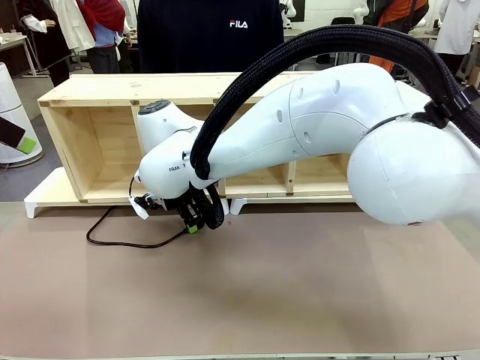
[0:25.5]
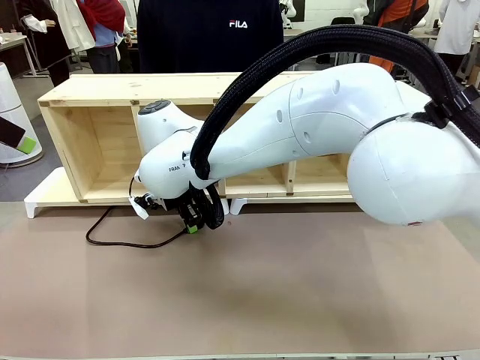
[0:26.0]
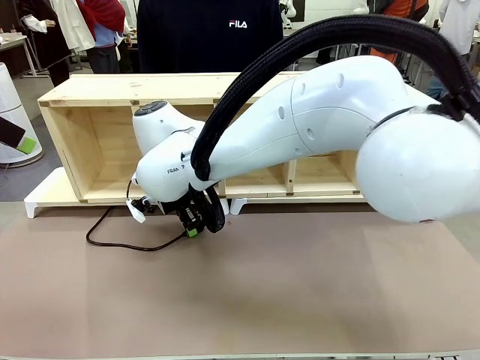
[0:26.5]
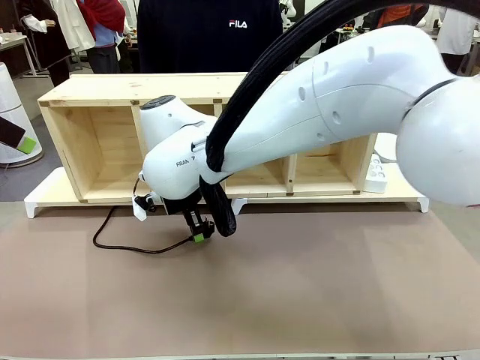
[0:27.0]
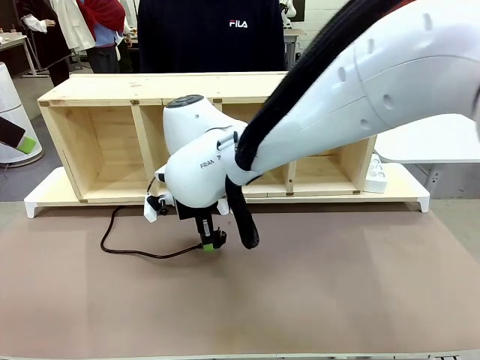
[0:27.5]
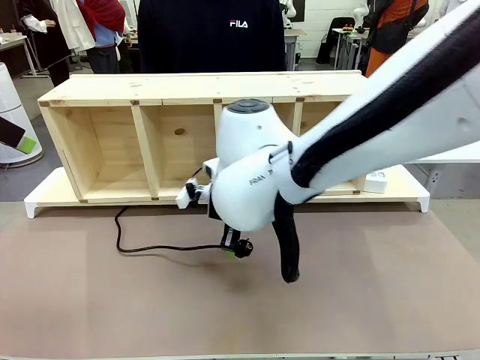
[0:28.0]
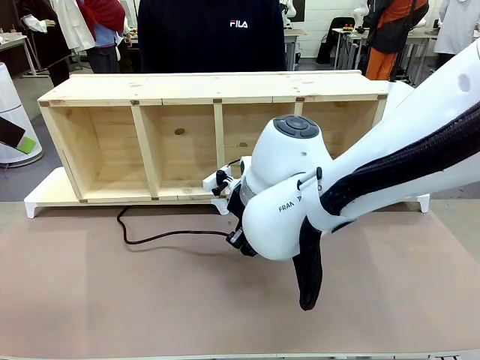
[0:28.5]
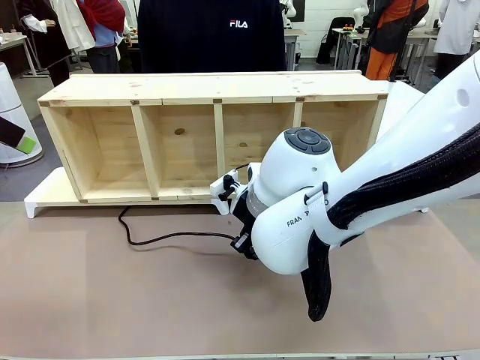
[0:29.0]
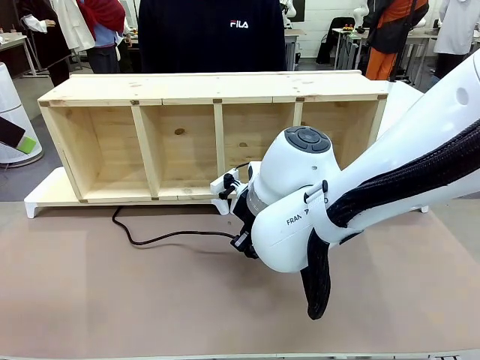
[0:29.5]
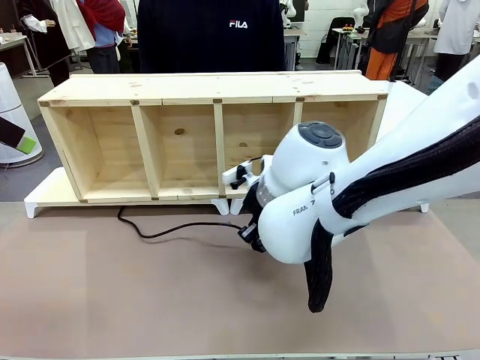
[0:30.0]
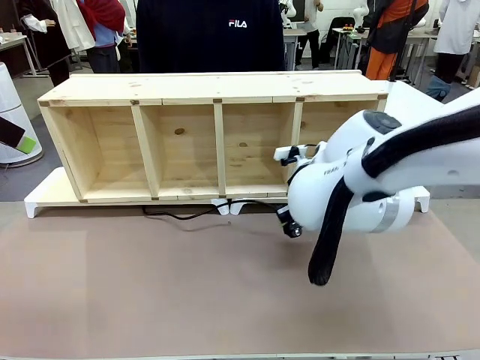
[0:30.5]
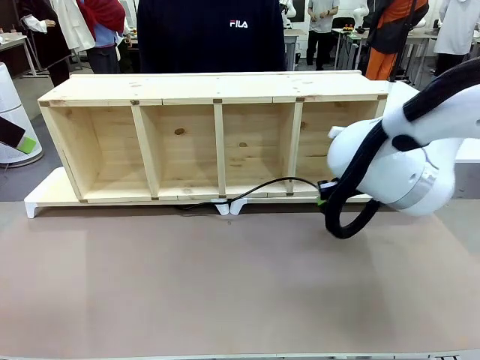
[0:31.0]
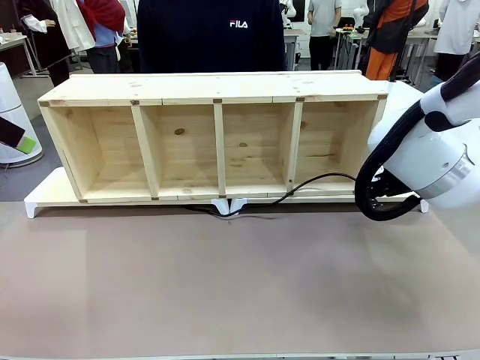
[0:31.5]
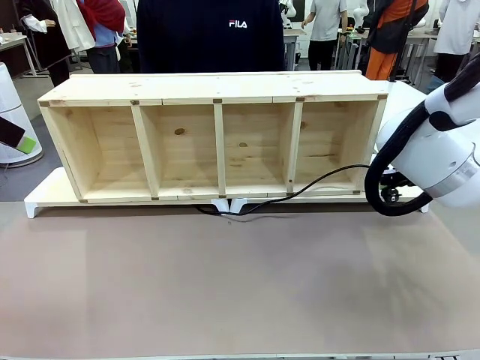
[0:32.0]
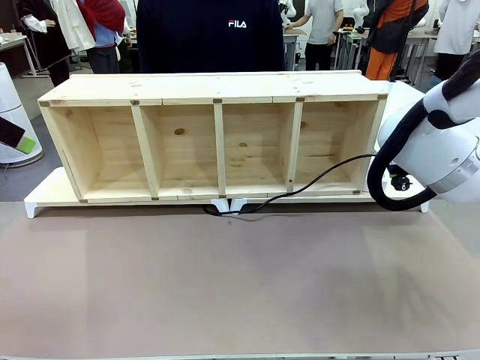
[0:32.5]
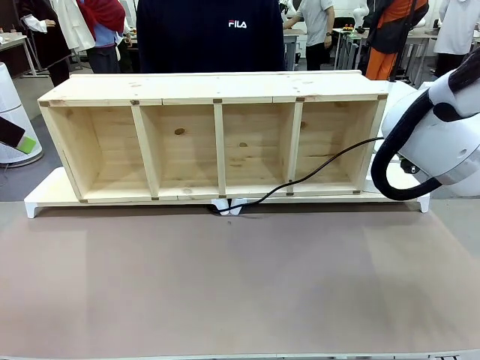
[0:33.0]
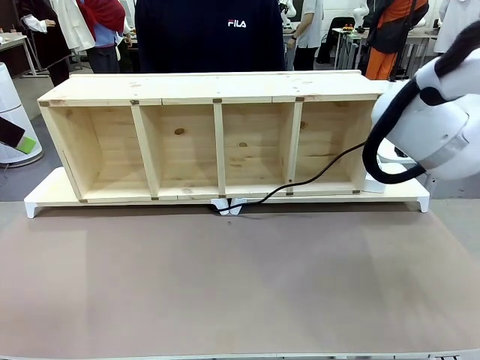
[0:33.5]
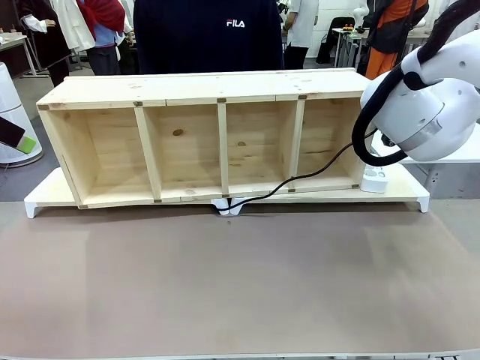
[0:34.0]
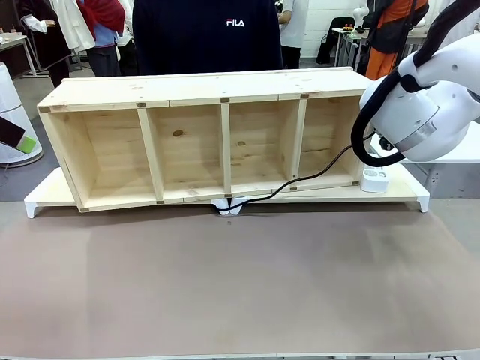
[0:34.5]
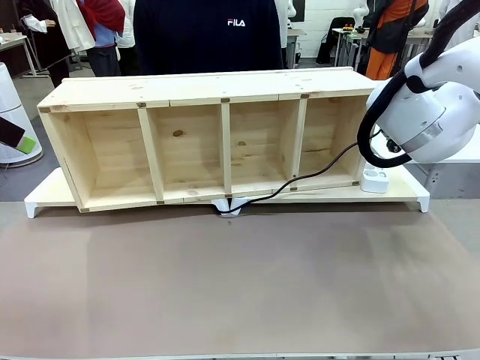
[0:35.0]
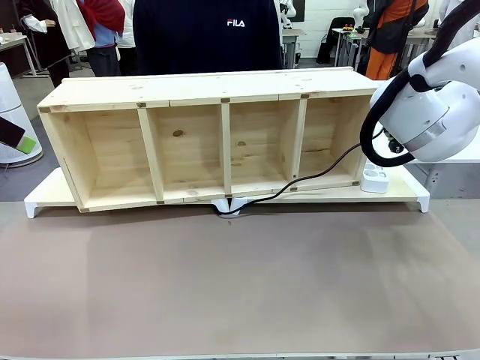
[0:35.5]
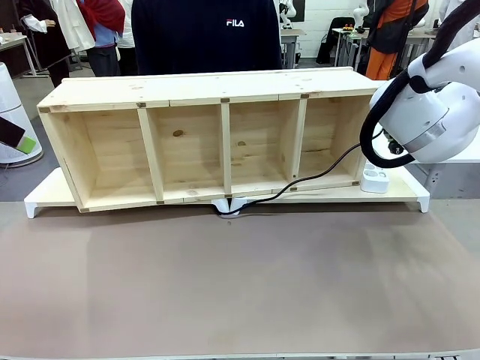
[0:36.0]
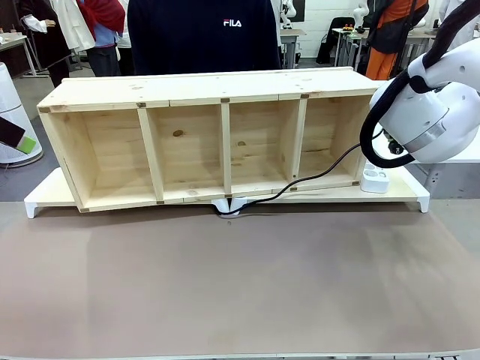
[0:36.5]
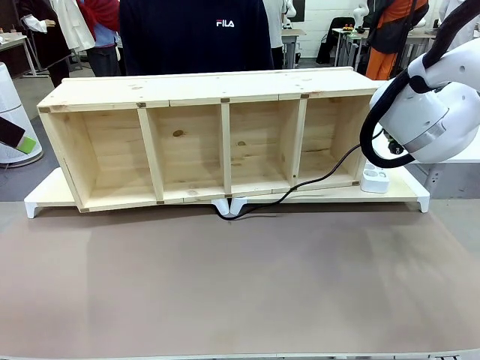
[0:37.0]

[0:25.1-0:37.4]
Task: Perform cable management.
Robot: Pull the grasped Power Cable to the location of the Power Strip.

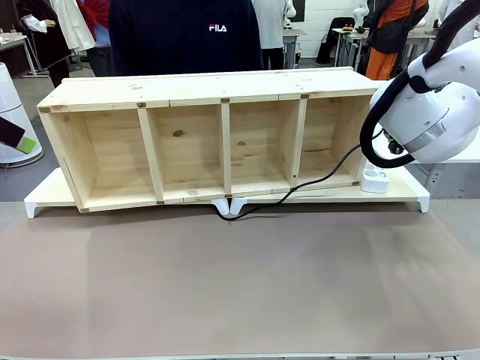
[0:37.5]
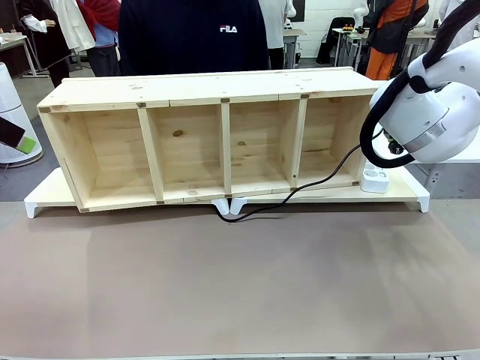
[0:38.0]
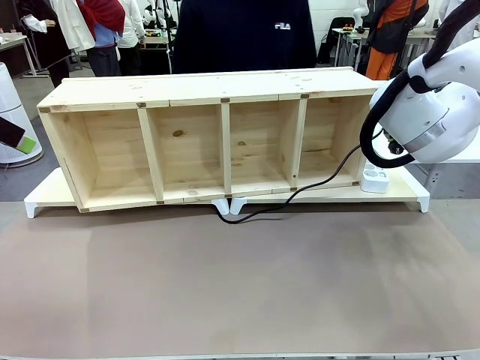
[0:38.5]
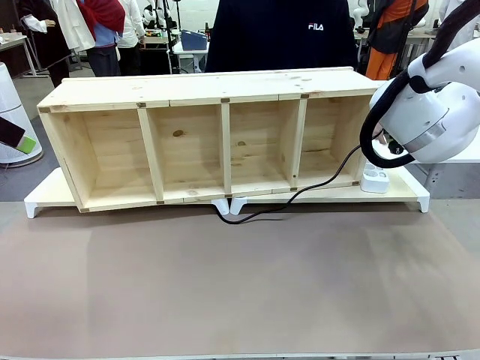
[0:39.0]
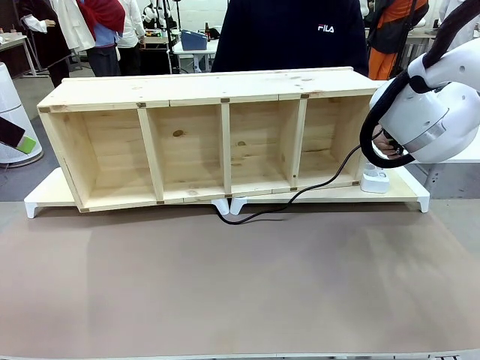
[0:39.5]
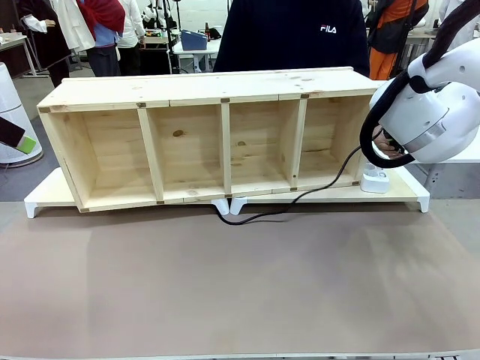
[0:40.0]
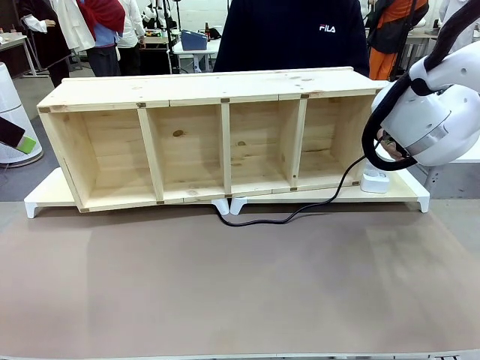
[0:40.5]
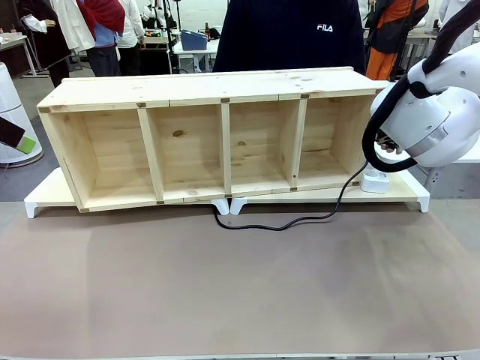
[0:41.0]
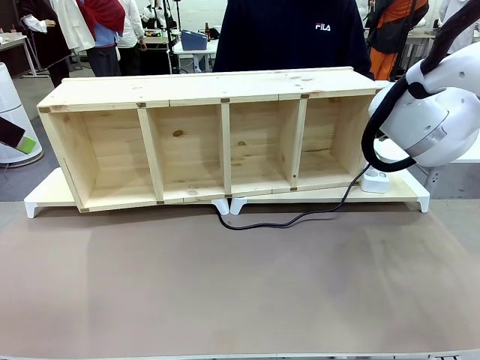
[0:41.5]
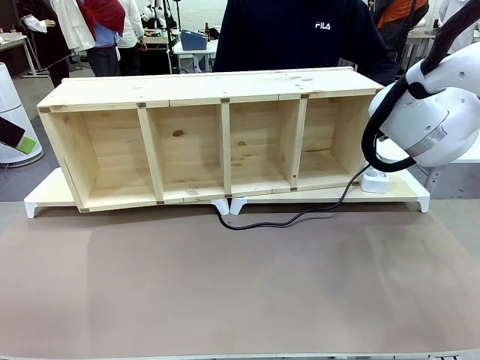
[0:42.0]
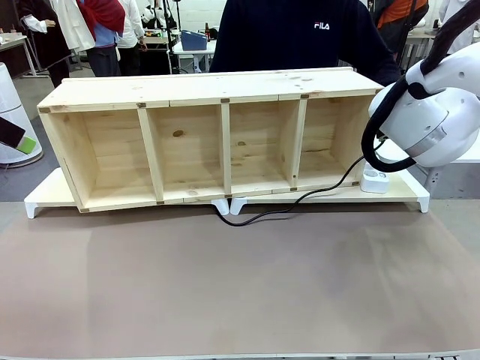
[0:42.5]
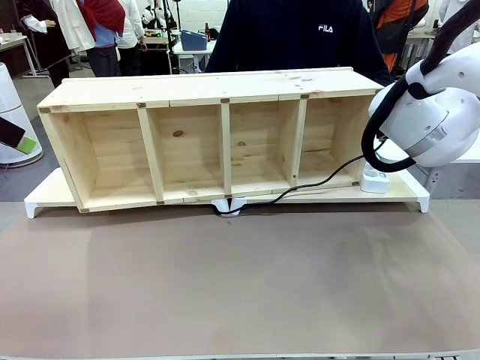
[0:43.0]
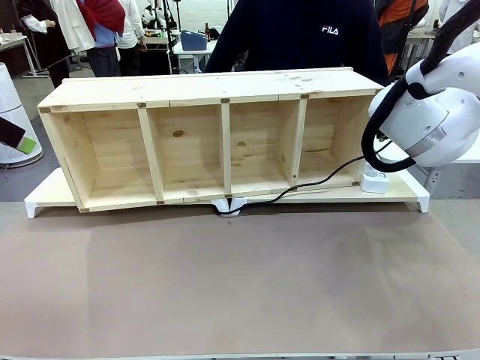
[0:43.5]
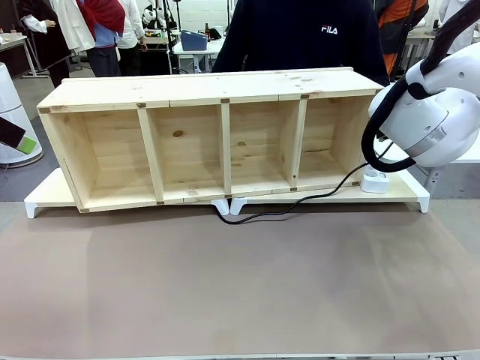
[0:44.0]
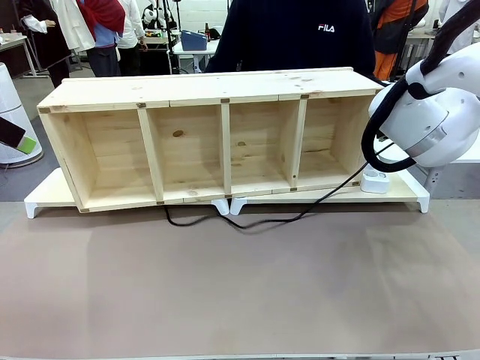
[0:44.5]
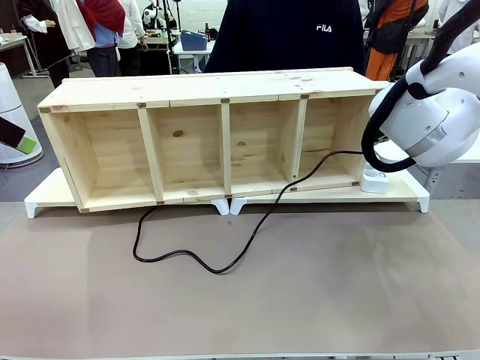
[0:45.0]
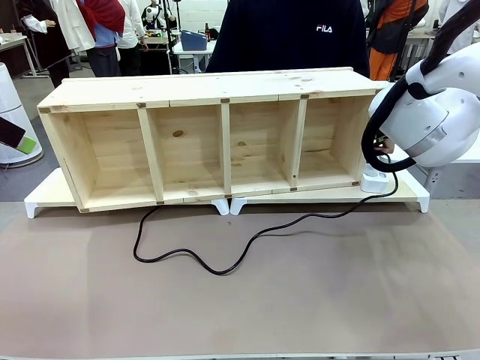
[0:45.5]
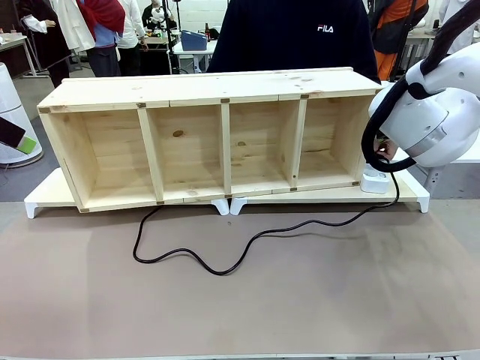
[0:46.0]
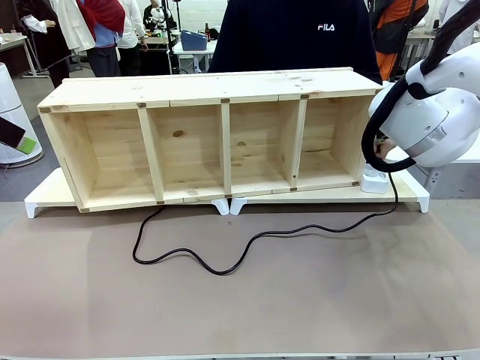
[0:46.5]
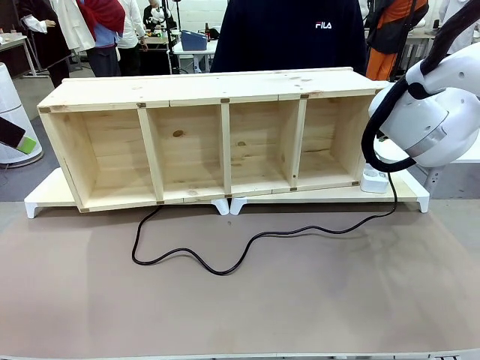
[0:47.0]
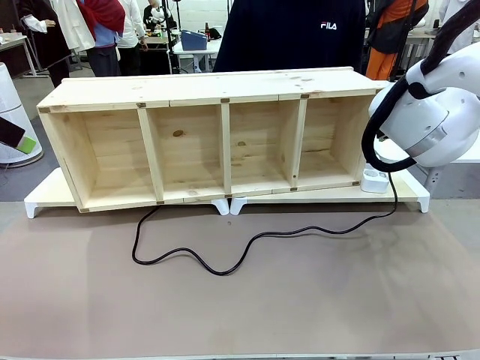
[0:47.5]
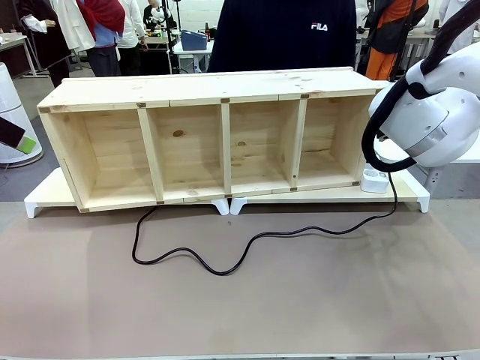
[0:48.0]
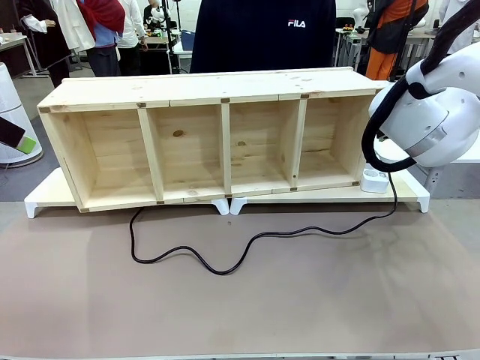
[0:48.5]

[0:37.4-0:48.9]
Robot: Release the Power Cable when the human grasps it.
Person: Plug the Power Cable into the Power Strip.
